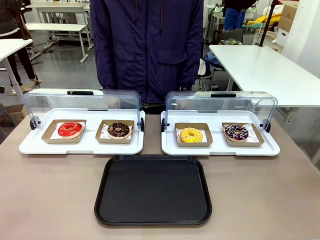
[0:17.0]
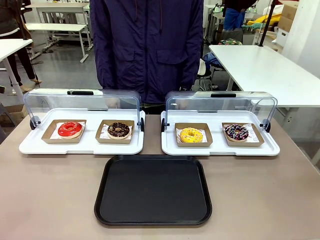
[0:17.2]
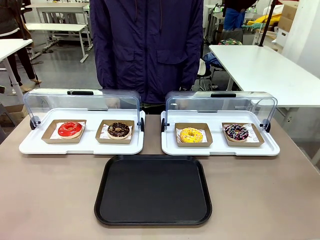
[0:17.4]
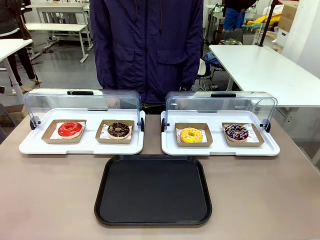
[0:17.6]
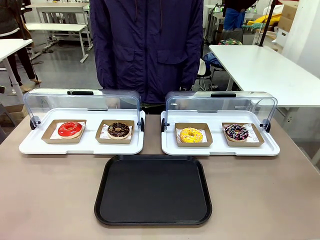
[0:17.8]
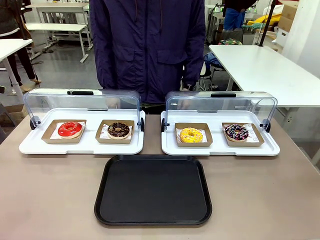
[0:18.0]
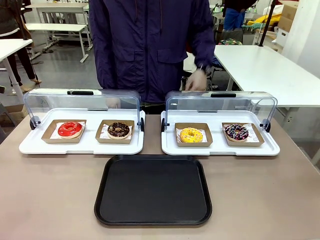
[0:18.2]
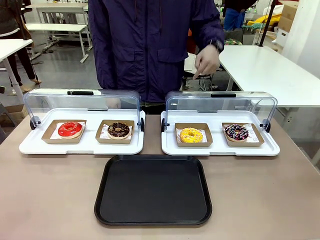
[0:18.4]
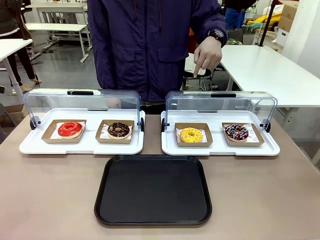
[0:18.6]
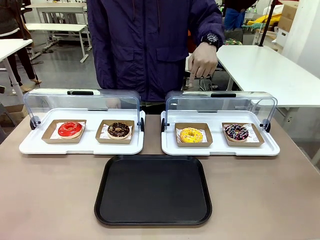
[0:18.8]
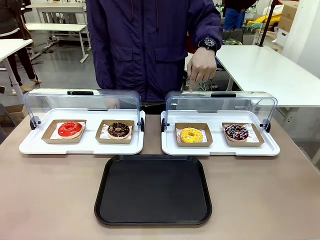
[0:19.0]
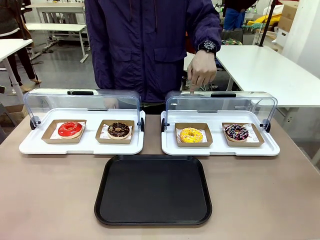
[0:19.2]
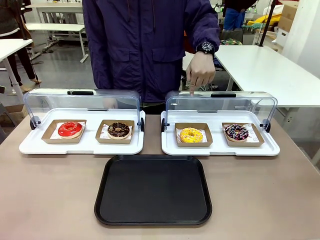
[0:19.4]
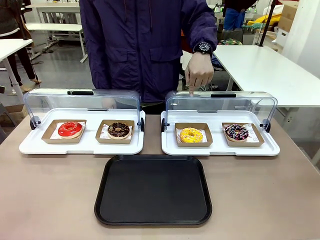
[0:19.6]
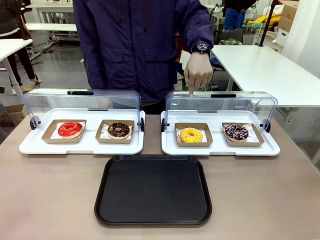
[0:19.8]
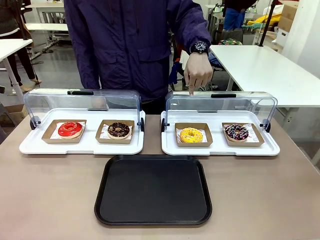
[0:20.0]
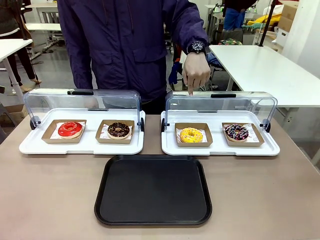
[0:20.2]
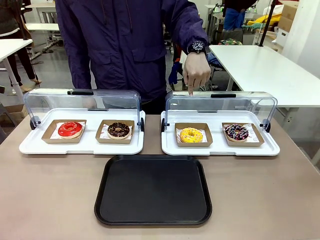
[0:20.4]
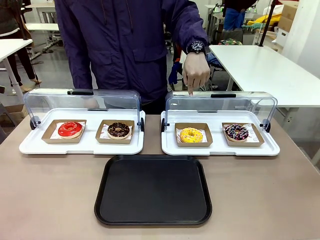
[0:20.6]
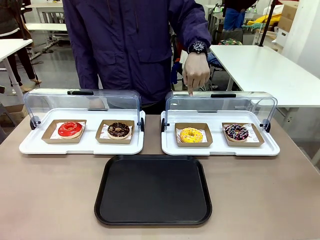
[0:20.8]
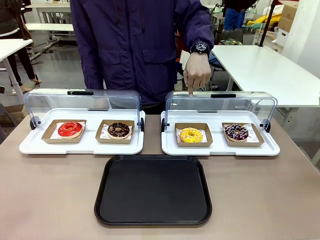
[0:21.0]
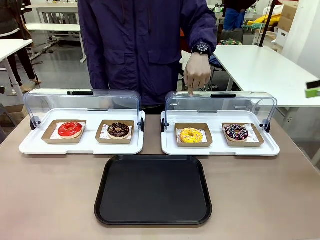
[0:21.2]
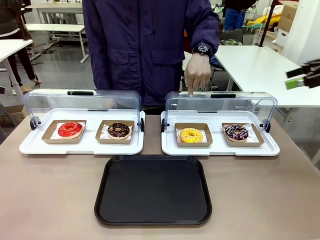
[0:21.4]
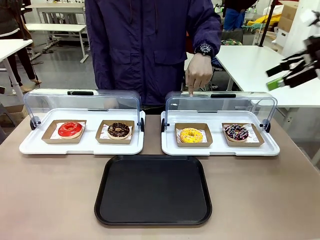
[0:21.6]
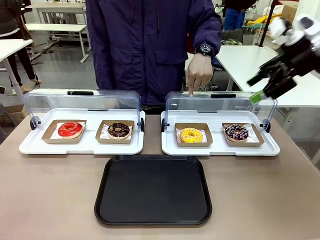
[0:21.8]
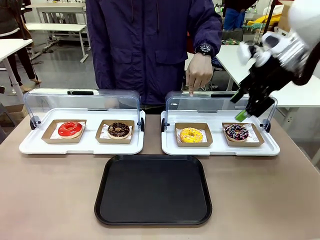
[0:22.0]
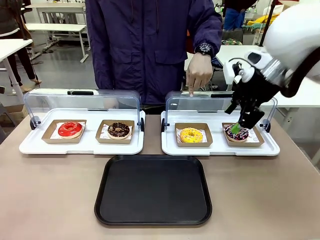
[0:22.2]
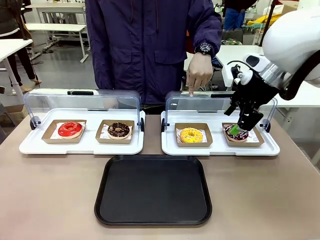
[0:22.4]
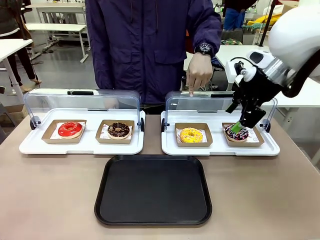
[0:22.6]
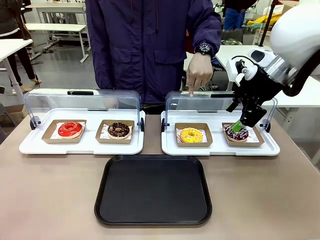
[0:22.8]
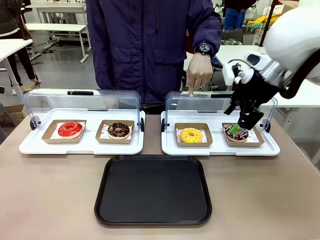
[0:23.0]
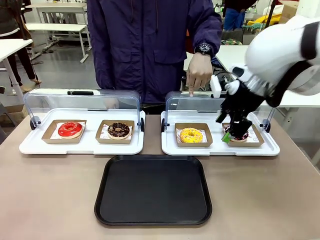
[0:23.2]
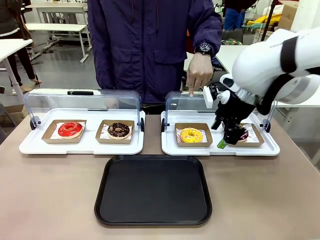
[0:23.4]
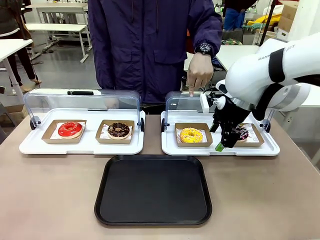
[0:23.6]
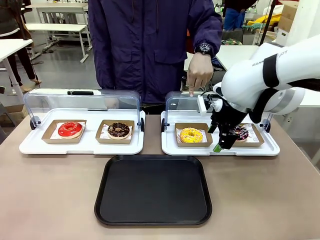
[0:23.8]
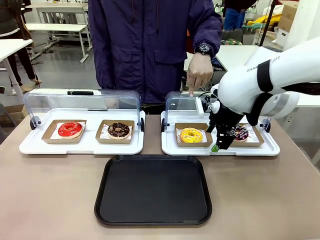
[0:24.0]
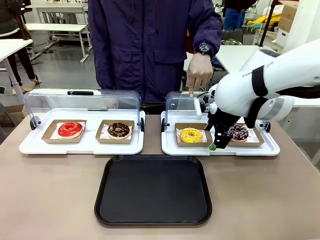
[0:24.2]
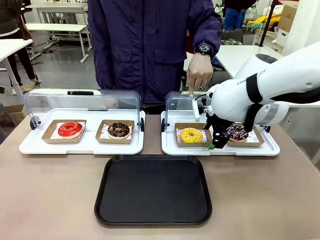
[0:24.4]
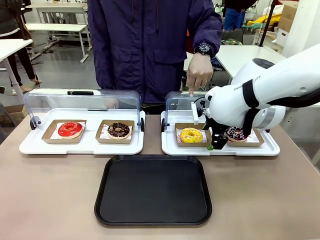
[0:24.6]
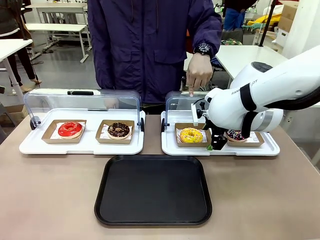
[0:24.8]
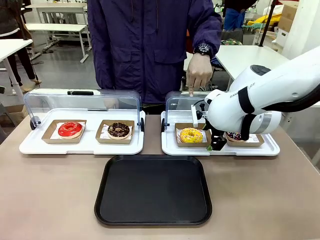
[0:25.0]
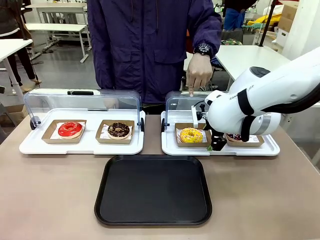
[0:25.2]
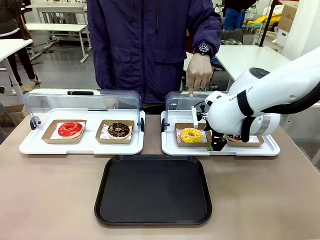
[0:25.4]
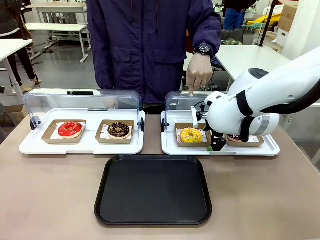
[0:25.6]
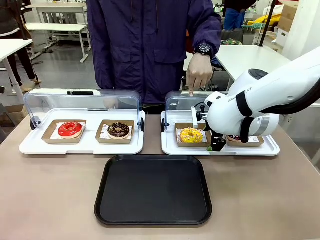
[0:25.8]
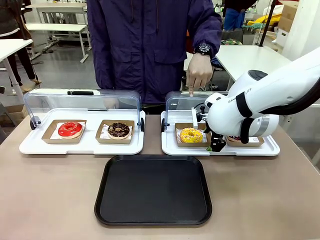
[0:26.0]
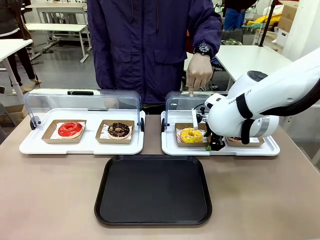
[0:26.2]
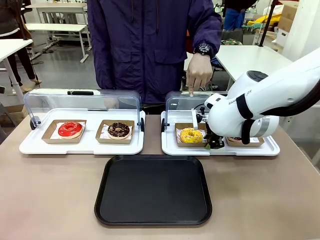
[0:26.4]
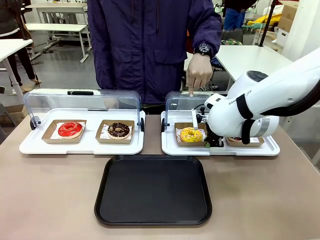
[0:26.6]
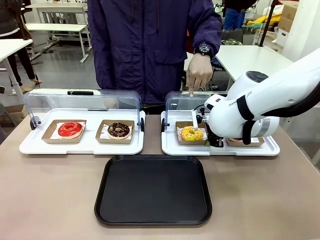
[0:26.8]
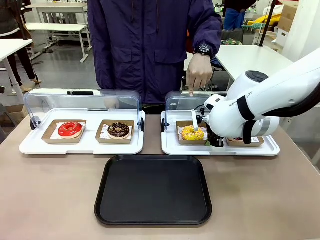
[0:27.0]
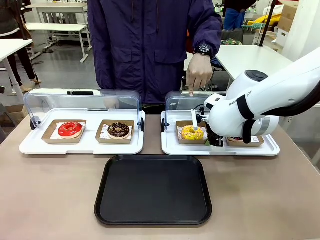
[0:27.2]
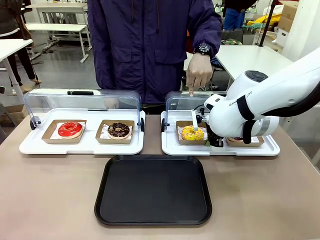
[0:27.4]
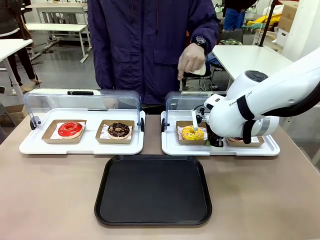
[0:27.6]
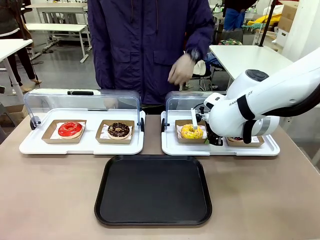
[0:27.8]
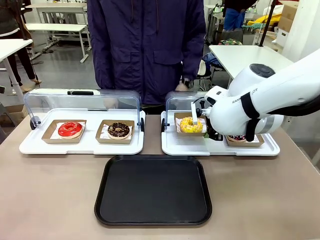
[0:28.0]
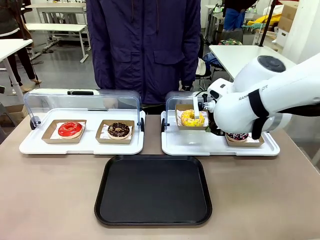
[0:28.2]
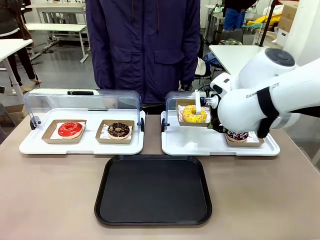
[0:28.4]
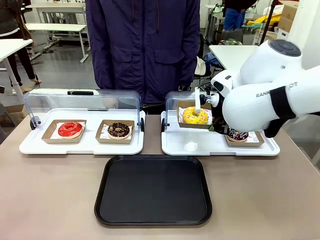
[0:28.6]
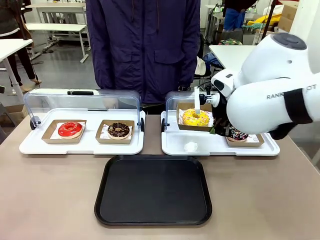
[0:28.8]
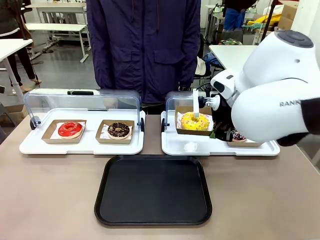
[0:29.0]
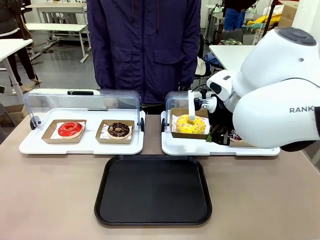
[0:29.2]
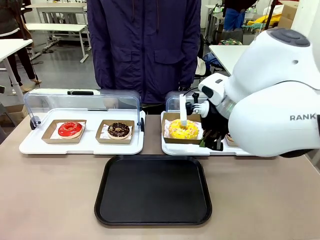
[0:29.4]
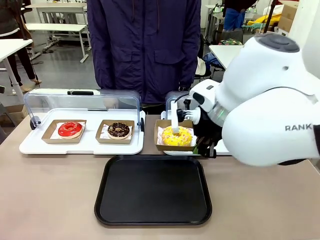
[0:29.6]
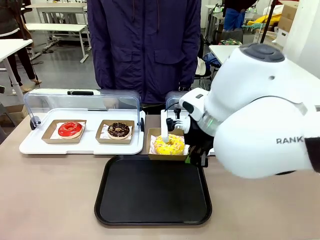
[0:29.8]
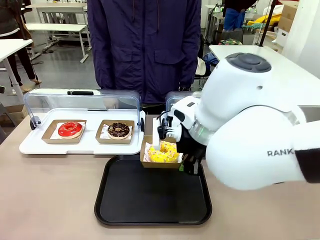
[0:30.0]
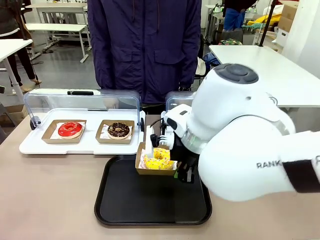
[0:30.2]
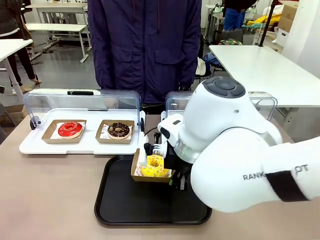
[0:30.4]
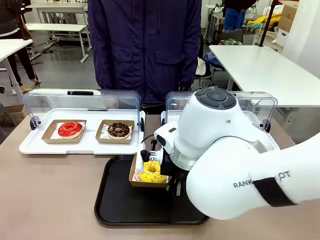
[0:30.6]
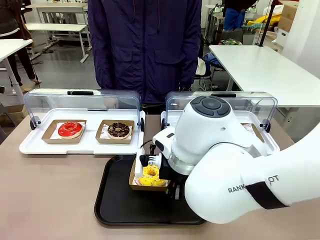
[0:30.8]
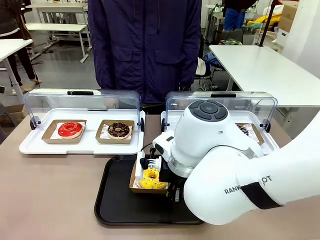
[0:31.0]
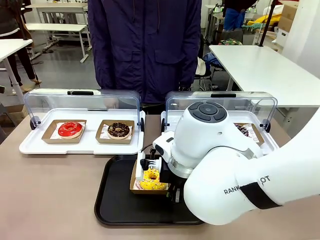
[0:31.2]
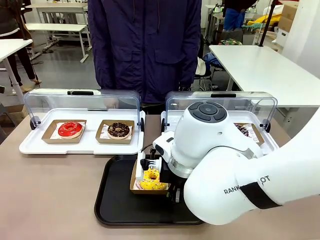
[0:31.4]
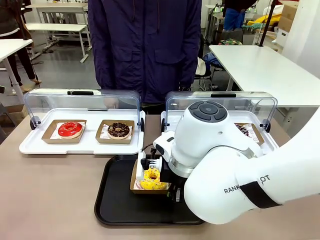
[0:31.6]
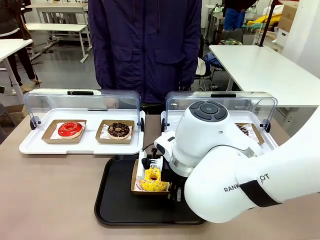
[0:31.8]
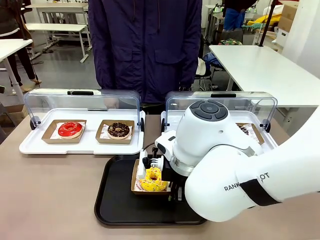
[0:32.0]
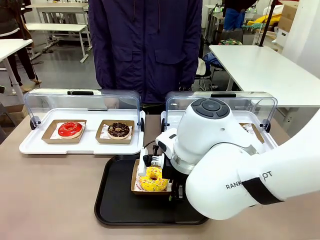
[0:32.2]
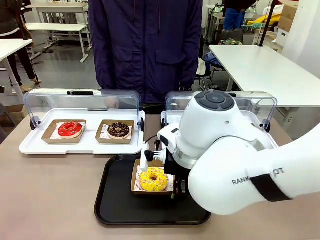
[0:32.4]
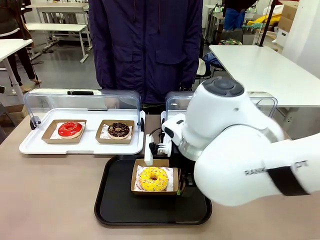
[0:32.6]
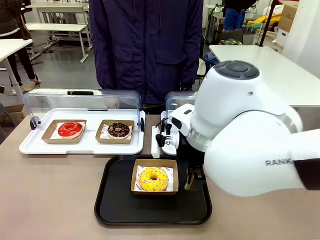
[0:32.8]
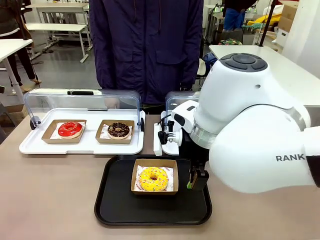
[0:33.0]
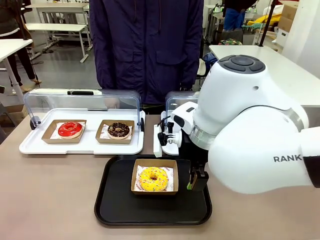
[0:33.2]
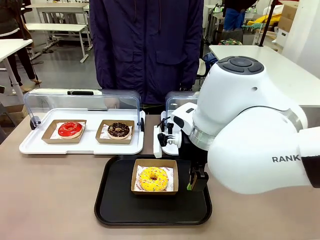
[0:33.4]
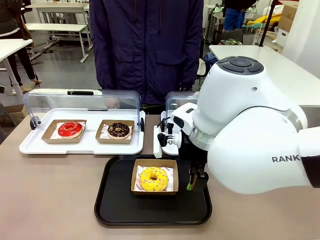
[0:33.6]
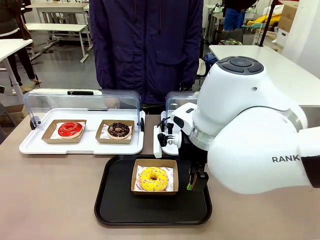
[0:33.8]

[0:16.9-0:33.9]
Task: Move the third donut from the left to the tray.
Robot: Pick up the Paper togo box containing the Donut indicated by the person and place it on the Handle tray.
Person: Points to the third donut from the left from the robot’s perspective.
